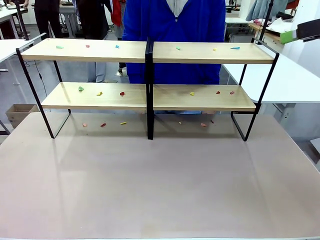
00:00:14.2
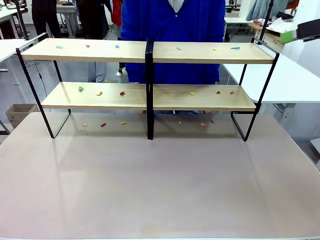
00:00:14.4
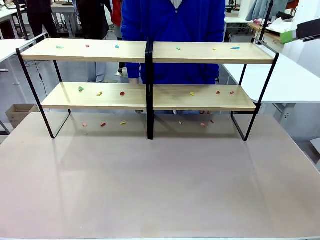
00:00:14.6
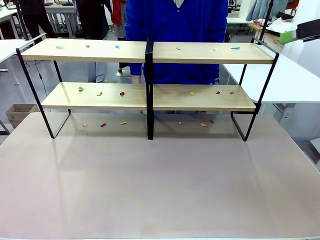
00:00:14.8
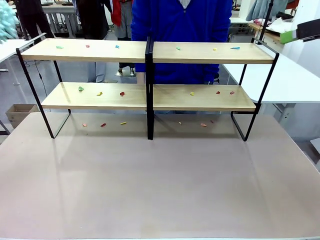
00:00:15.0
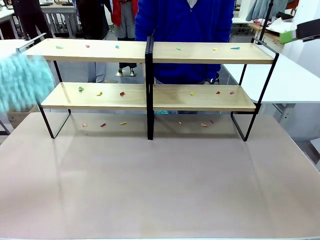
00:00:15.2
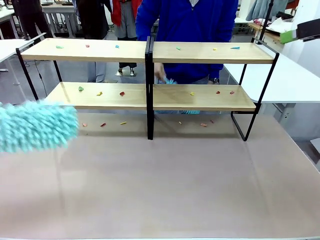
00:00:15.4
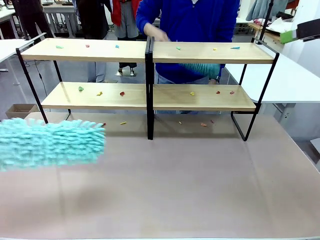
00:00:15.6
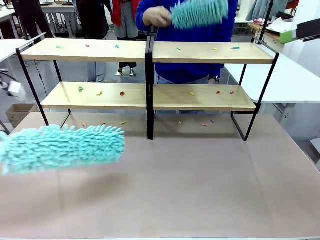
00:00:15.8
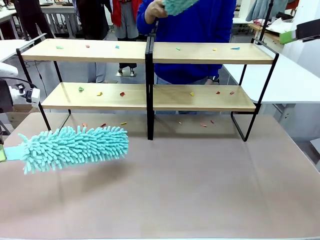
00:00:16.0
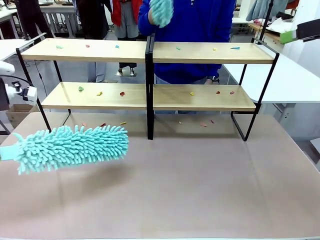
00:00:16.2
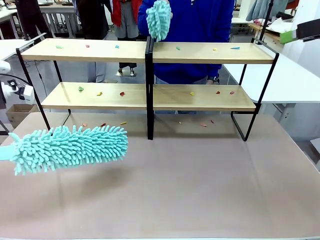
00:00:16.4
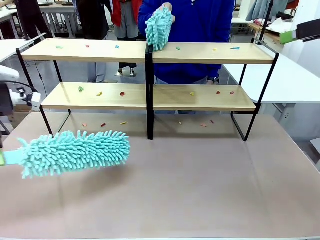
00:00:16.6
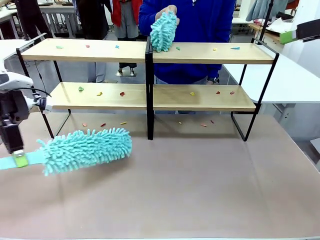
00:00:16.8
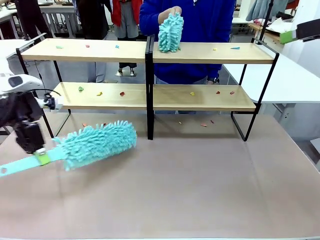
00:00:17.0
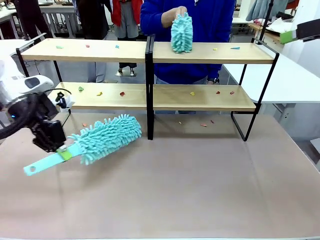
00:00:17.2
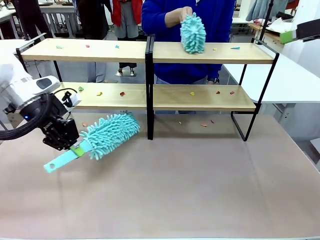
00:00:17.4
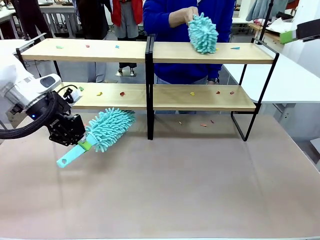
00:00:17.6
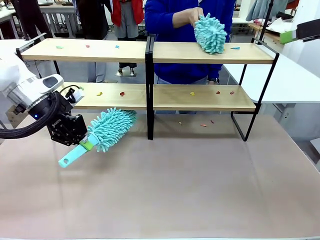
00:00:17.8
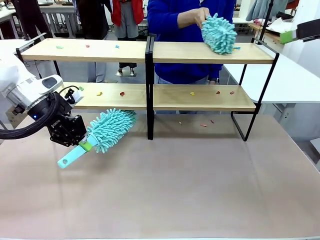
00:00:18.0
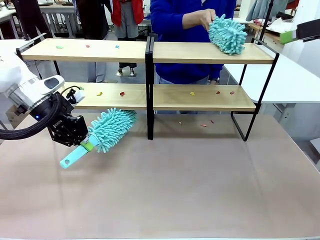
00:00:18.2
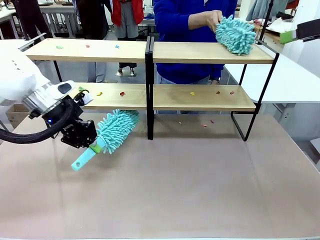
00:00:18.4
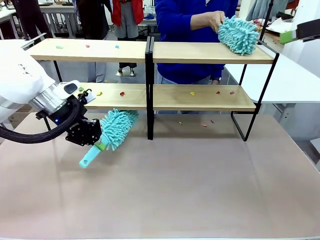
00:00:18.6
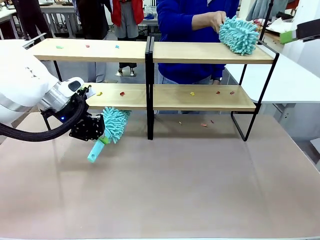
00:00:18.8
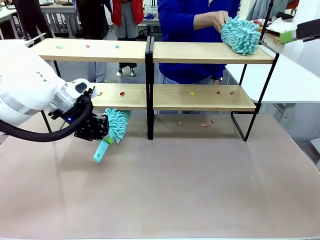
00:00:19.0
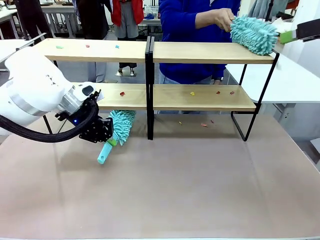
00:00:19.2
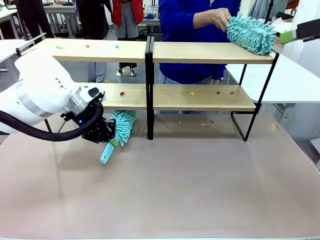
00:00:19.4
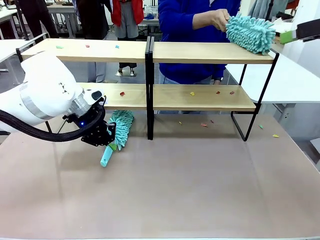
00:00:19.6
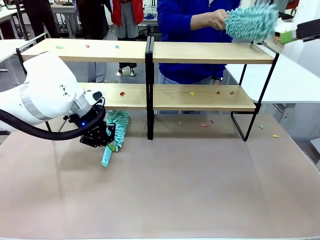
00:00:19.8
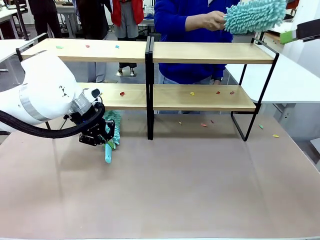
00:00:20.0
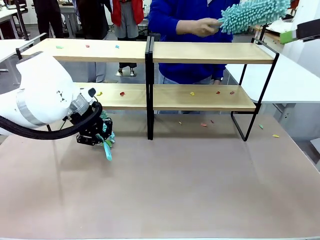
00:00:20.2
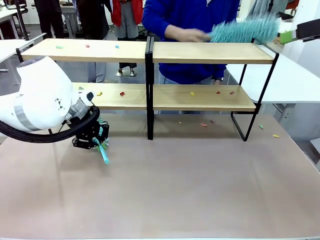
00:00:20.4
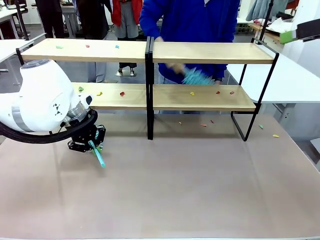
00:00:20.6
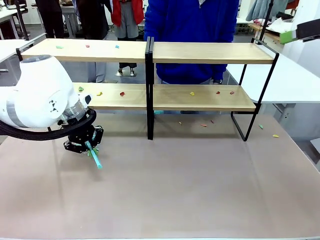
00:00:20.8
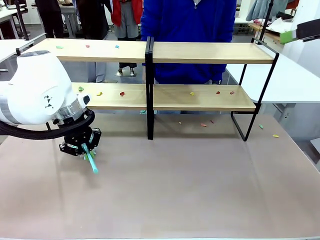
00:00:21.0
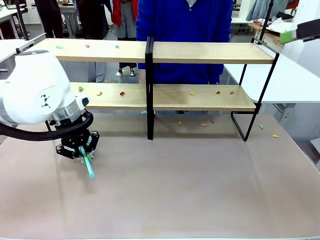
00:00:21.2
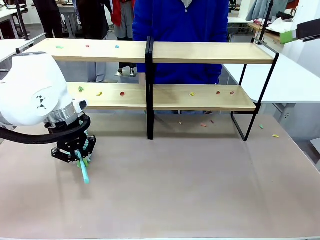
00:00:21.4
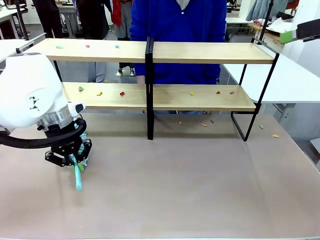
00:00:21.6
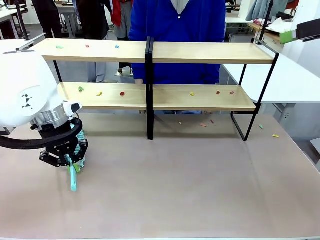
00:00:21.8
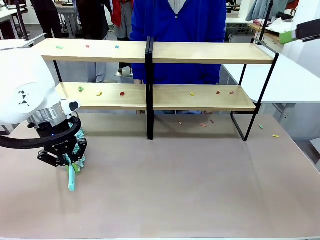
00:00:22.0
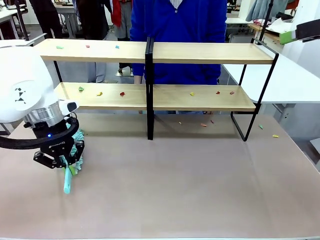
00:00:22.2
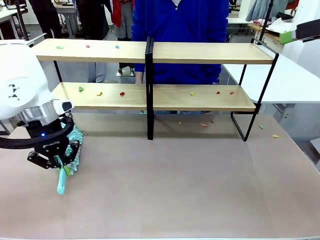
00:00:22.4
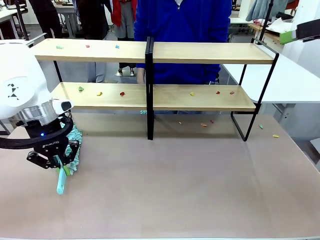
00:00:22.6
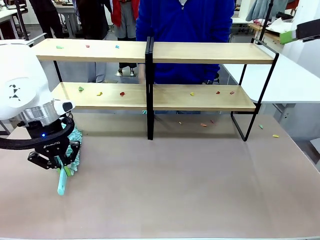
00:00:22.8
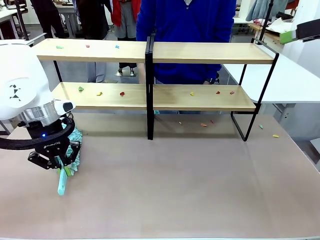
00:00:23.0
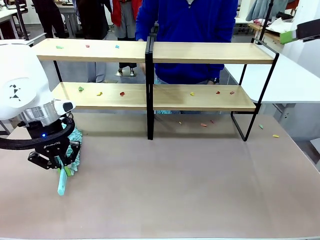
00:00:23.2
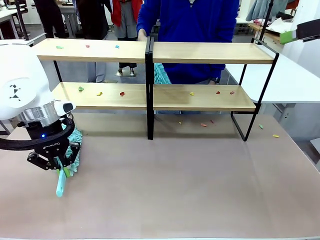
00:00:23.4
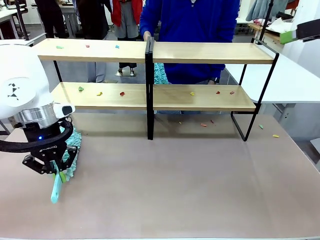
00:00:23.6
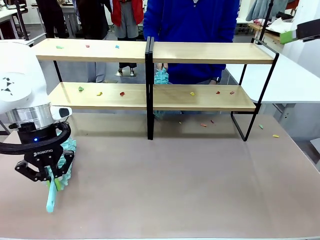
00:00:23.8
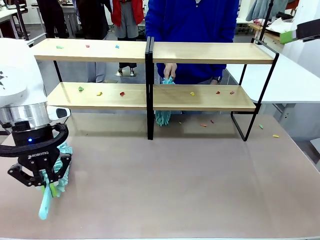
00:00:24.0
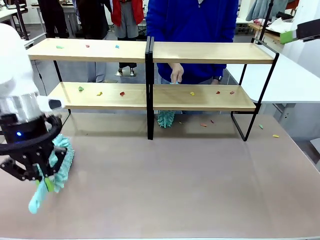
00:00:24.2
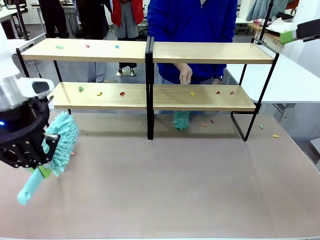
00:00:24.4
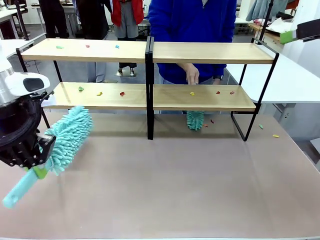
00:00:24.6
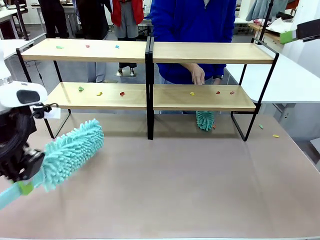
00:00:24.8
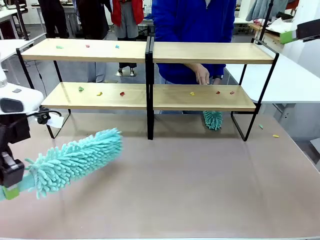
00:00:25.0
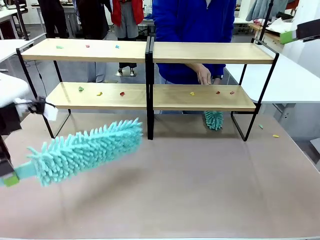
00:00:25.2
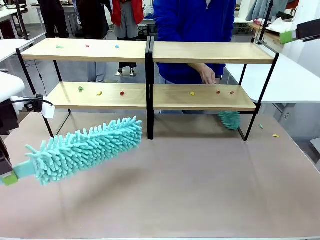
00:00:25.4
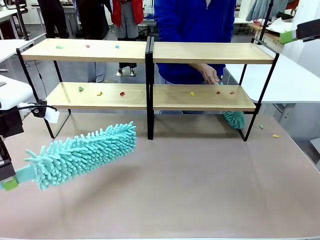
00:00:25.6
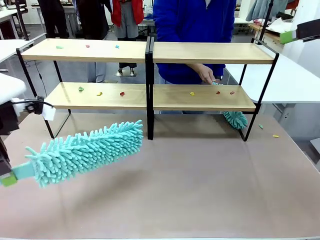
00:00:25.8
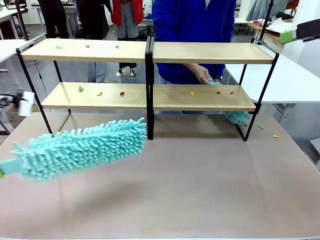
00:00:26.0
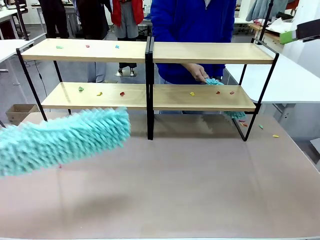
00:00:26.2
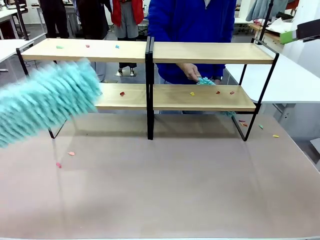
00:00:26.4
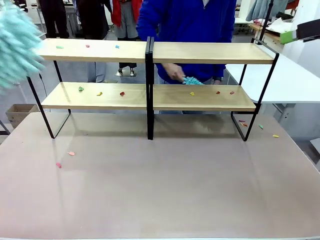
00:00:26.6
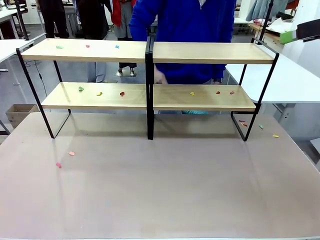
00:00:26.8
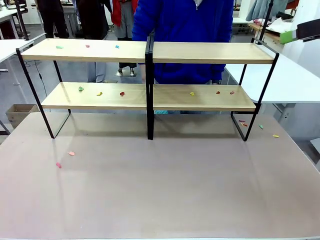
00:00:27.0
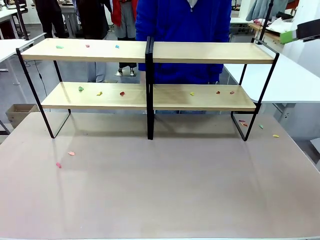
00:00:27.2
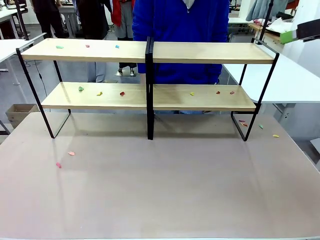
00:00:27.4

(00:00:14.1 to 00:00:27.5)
Task: Clean the shelves.
Robot: Clean a randomly selected level of the Shelf with the Duster.
